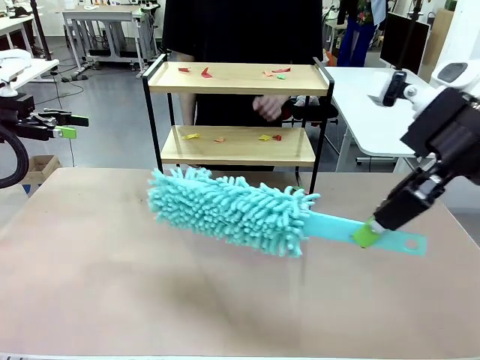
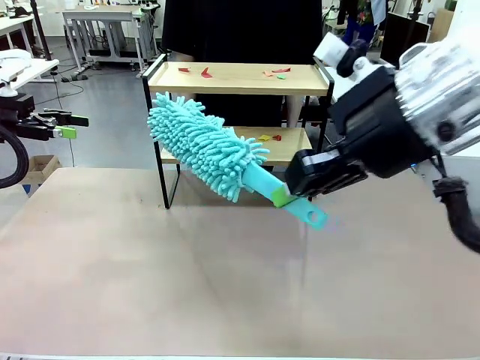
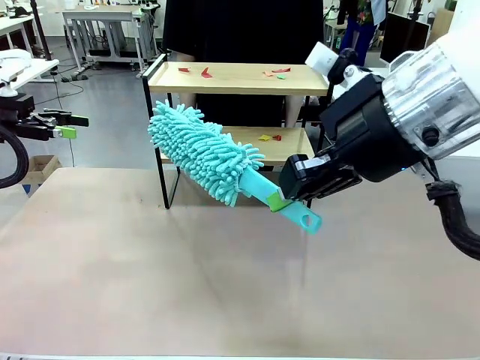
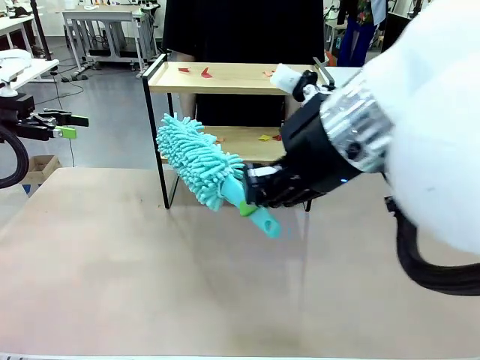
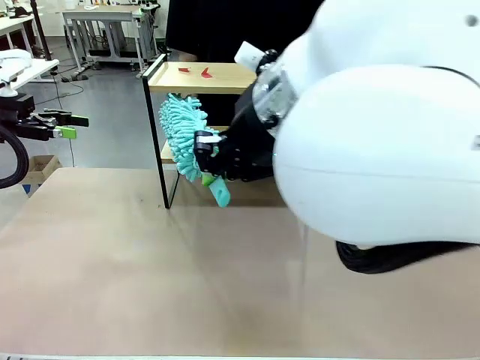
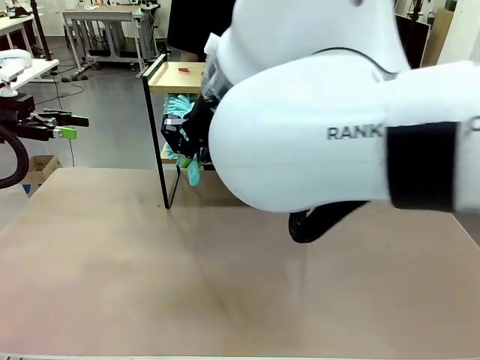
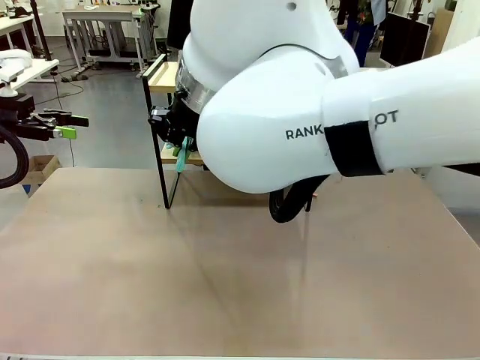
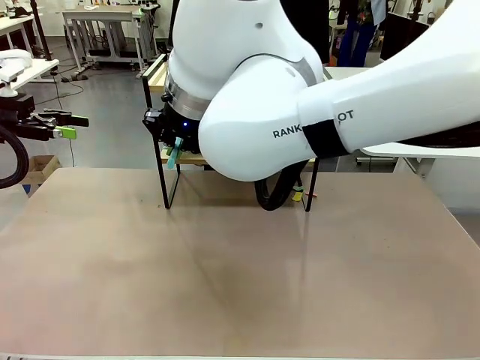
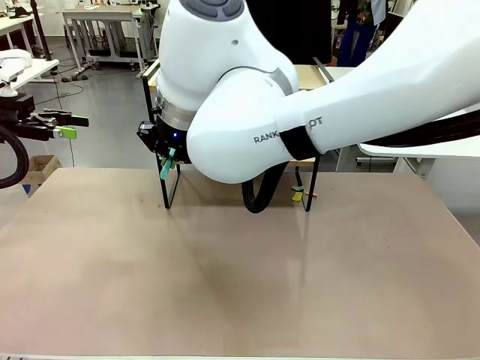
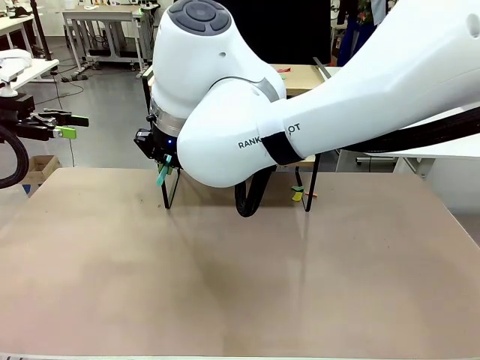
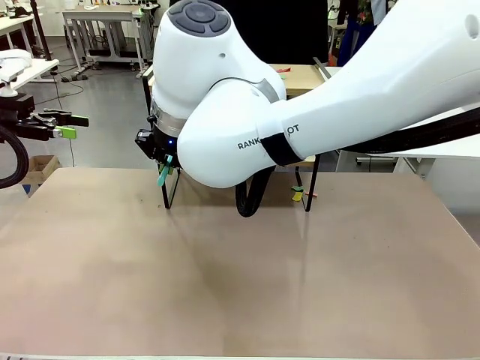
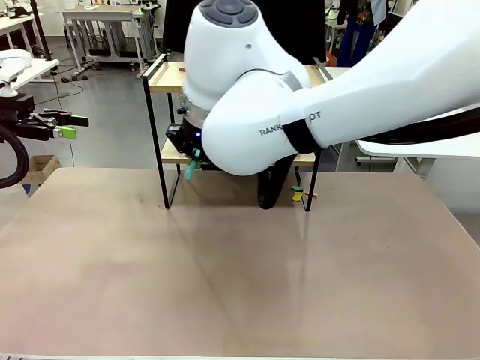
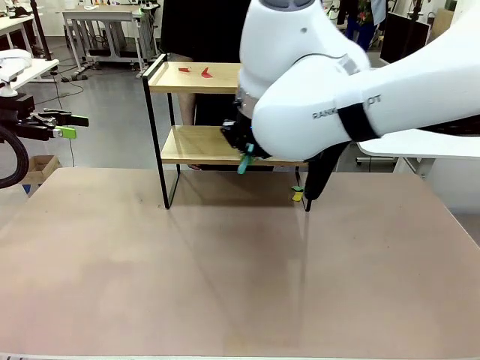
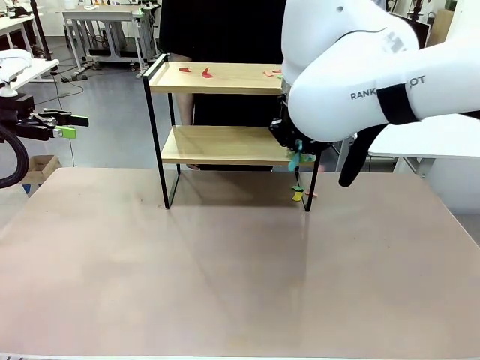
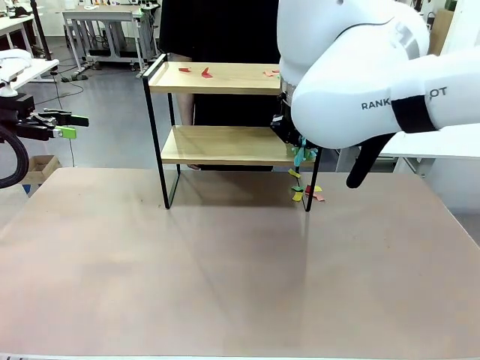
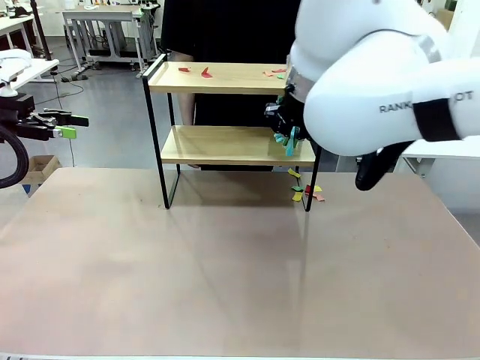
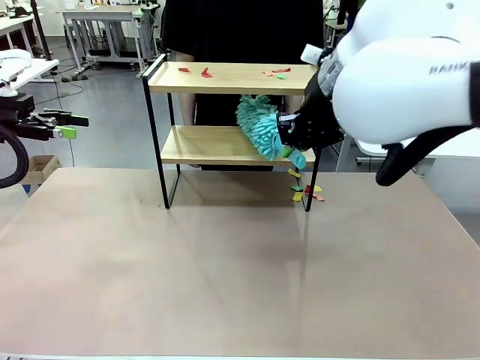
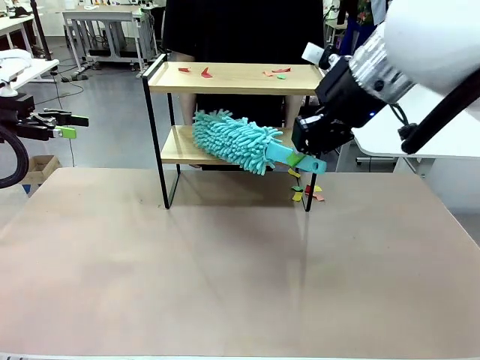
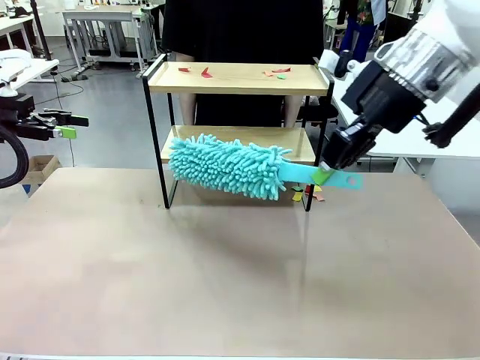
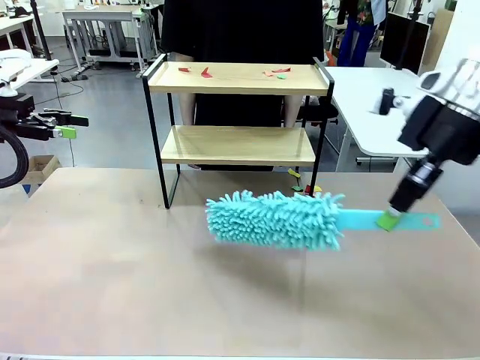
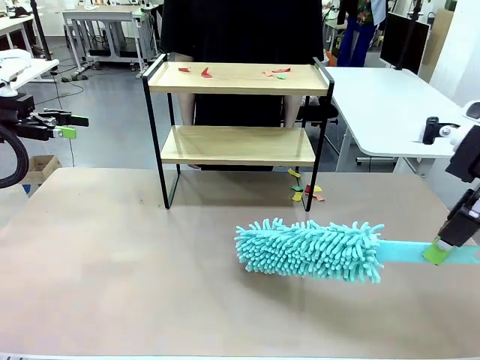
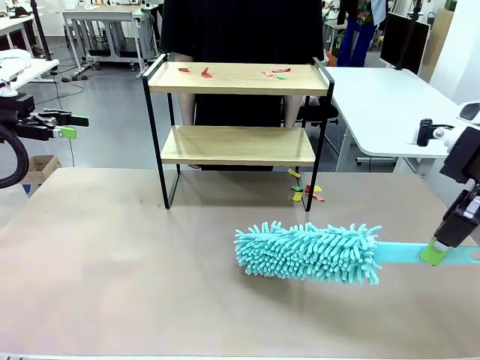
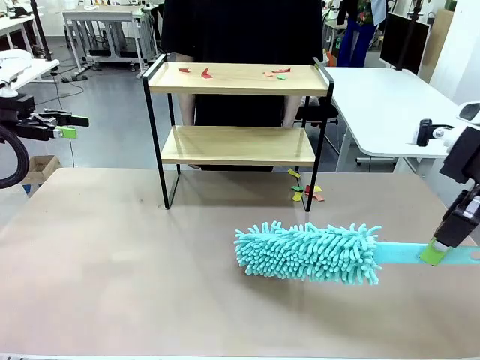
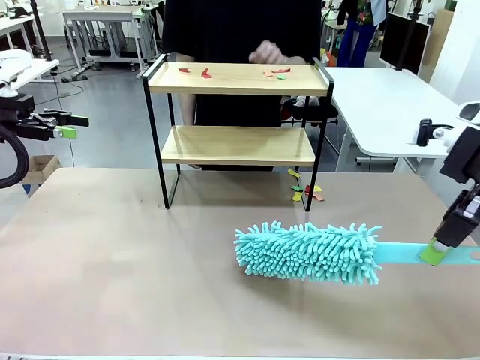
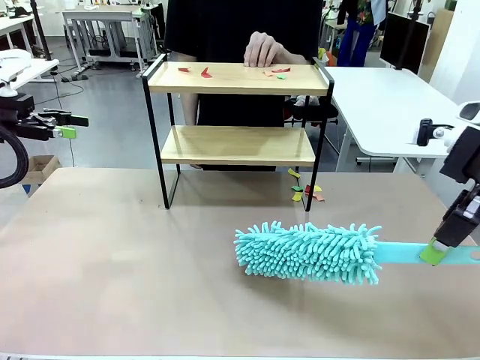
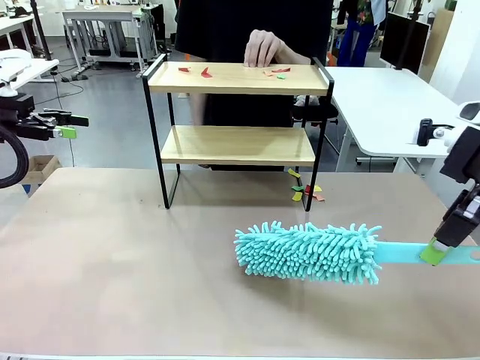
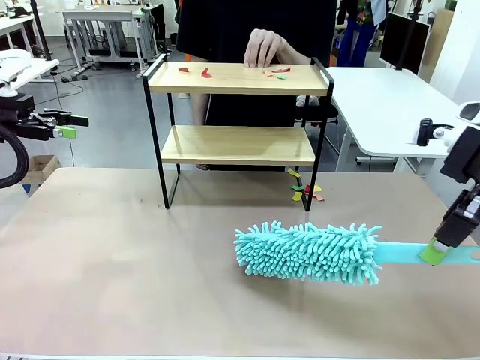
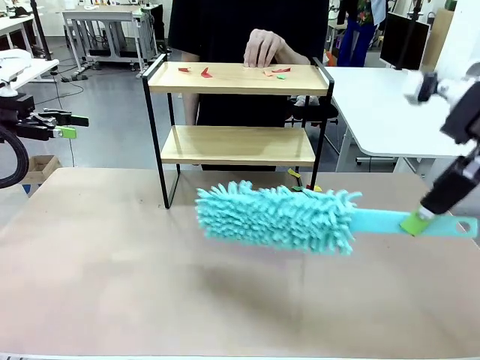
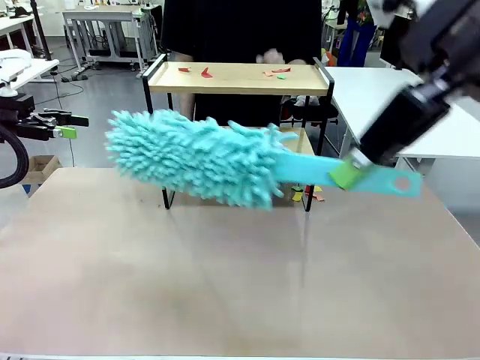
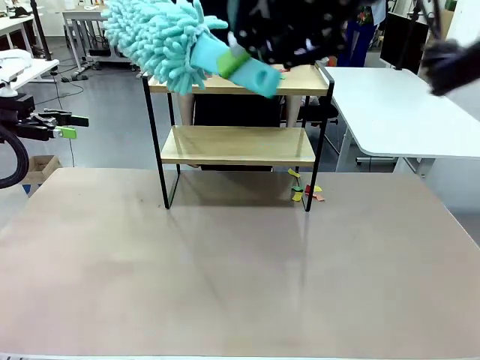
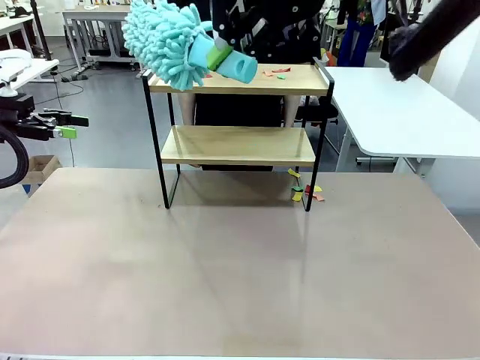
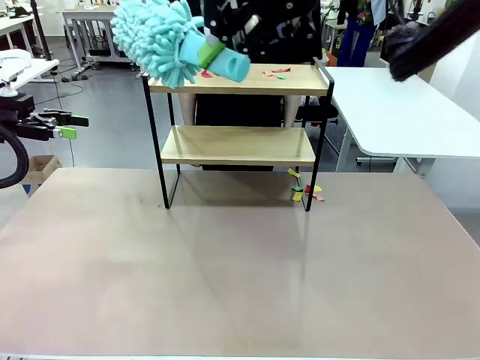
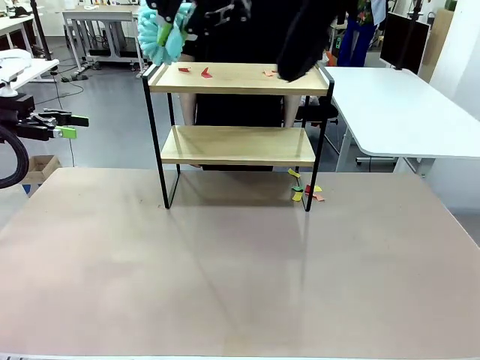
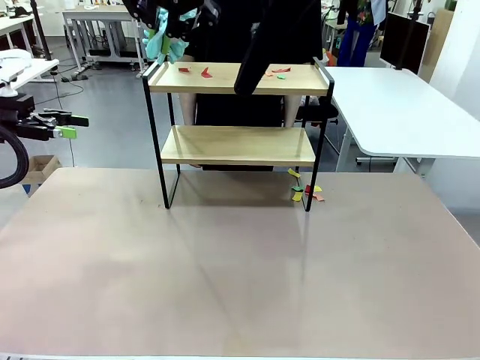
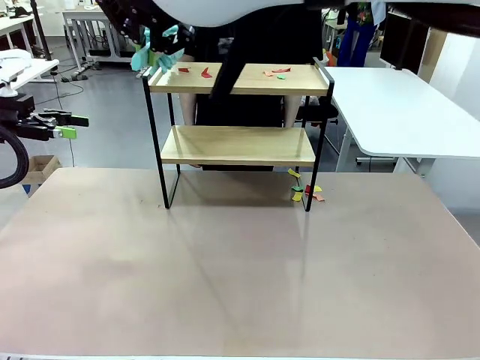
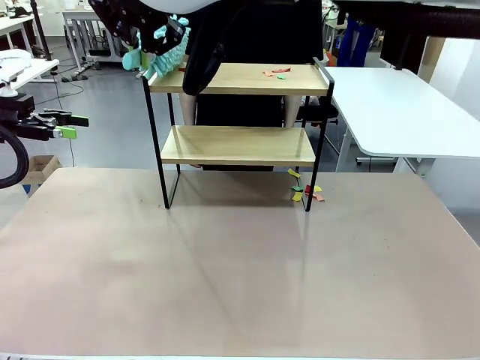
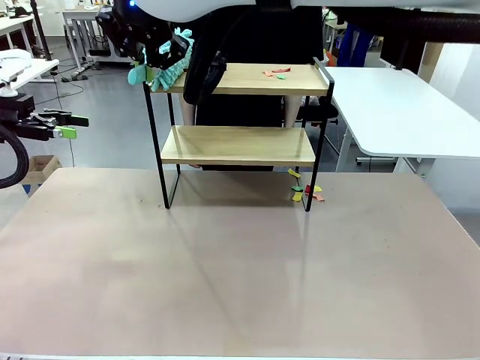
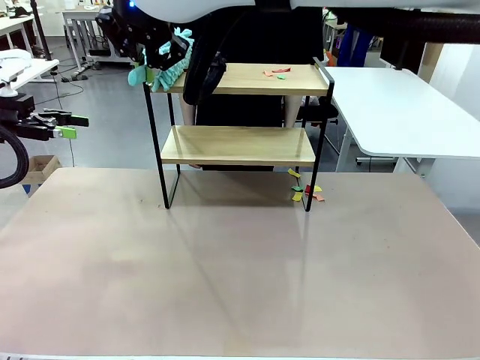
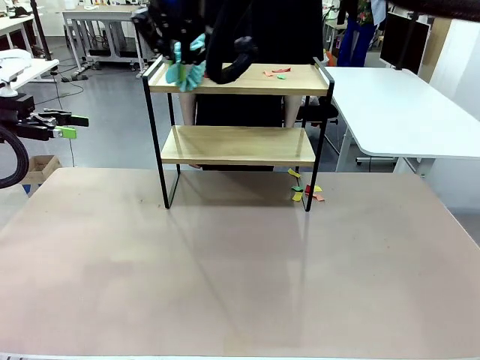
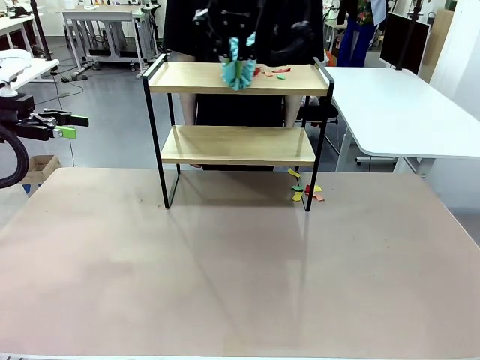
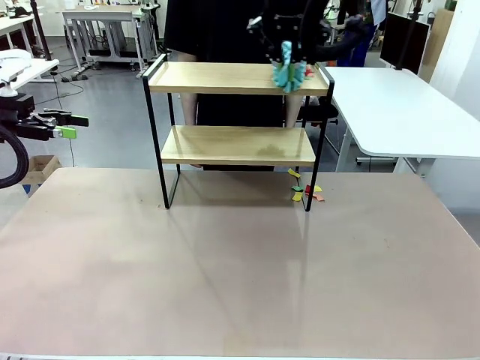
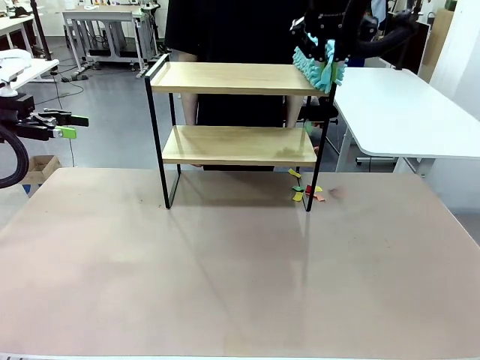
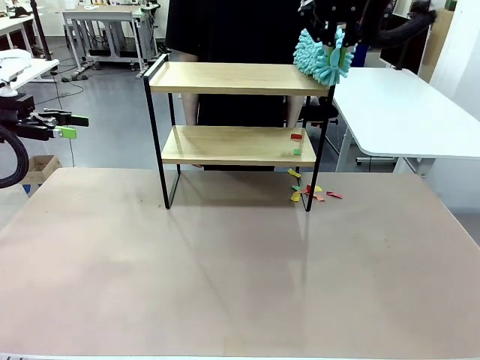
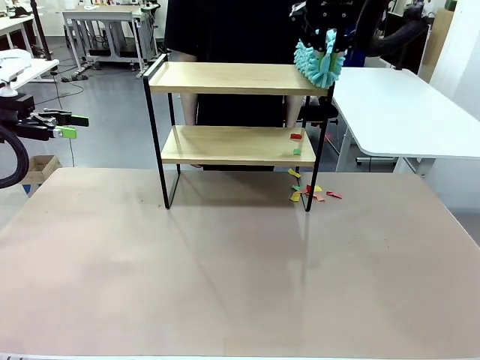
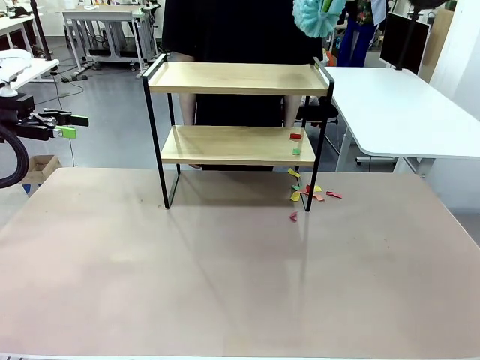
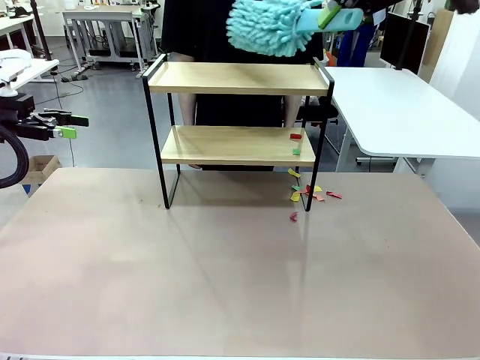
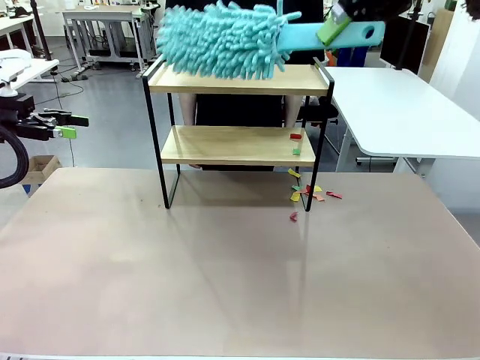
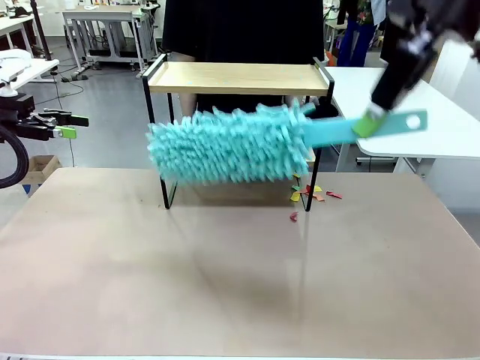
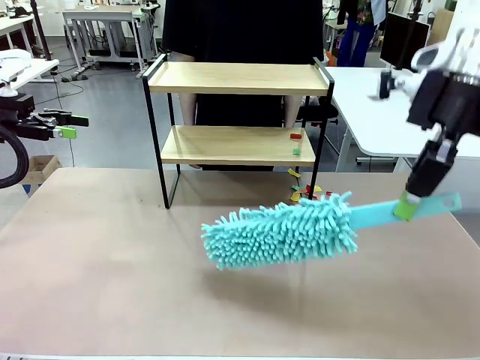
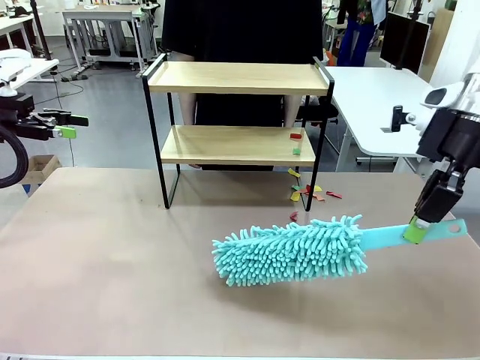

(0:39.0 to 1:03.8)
Task: Clean the shelf.
Robot: Clean the specific section of the Shelf indicated by the human with the Duster.
Person: Point a remaining section of the Shelf.
